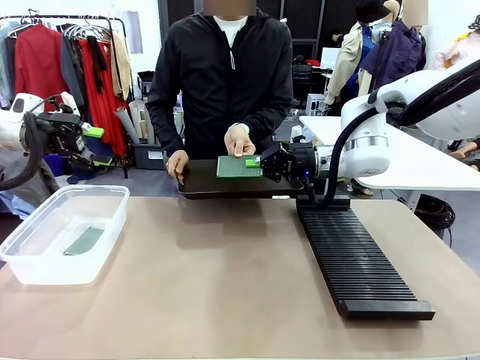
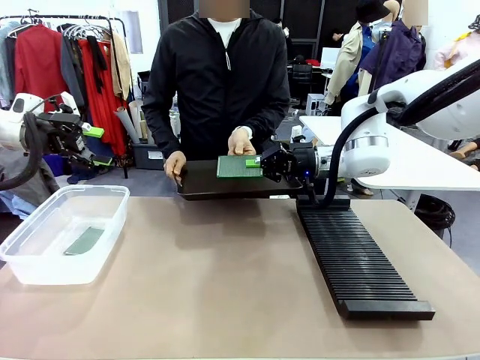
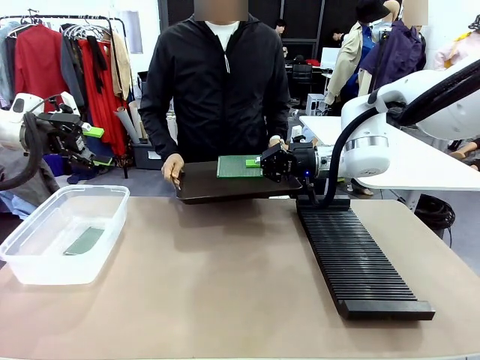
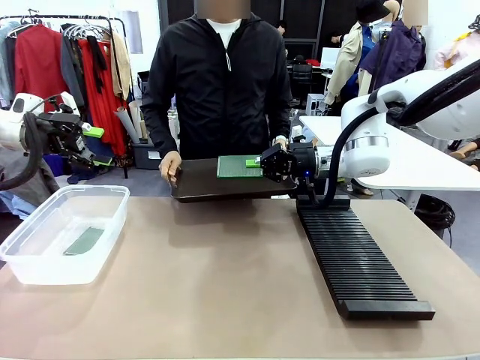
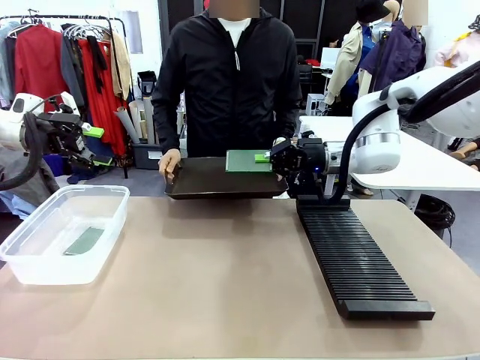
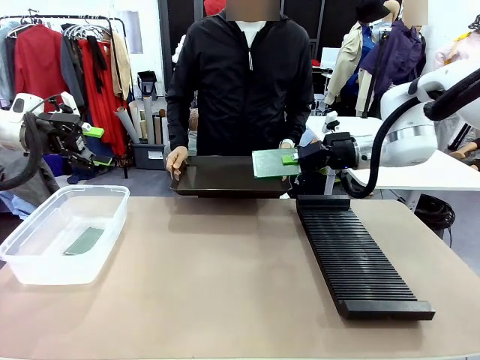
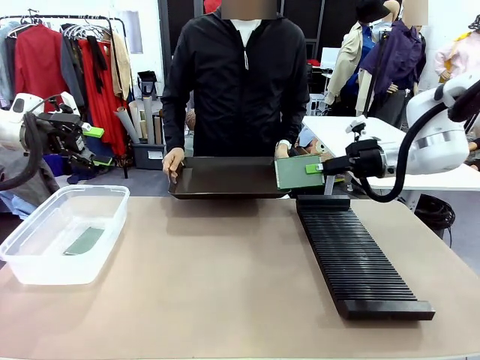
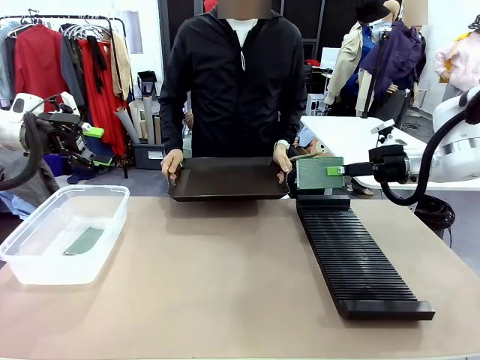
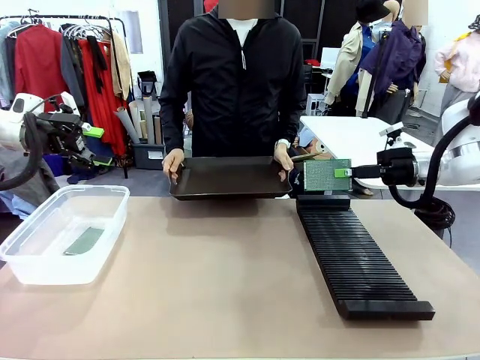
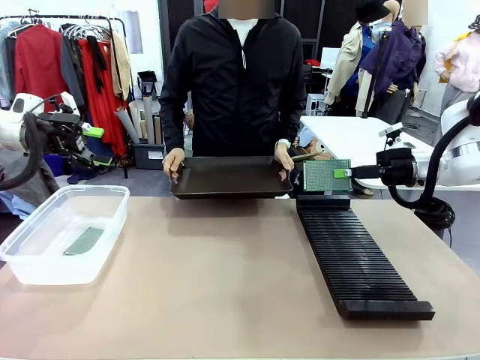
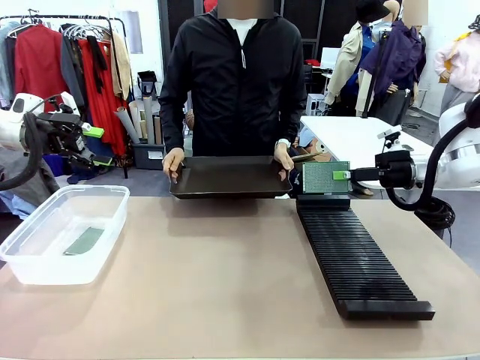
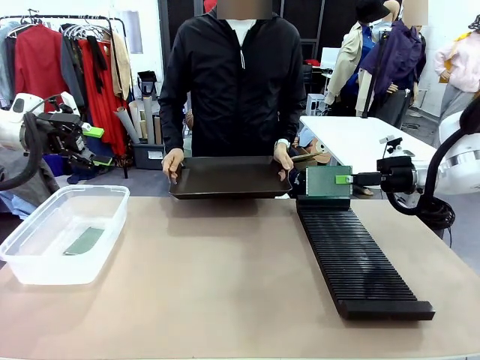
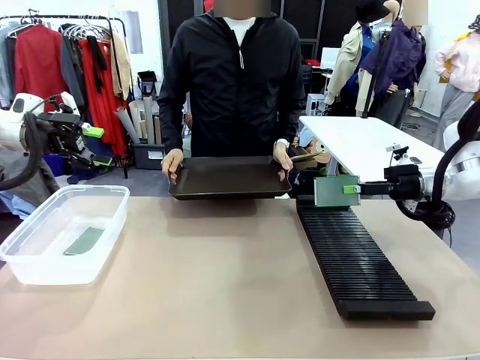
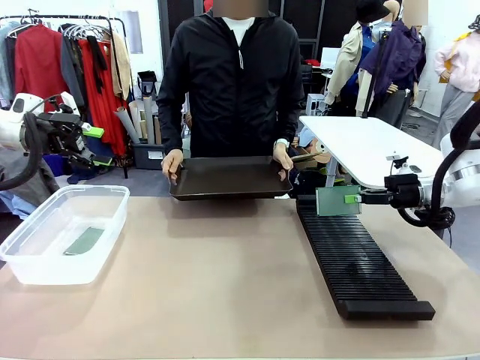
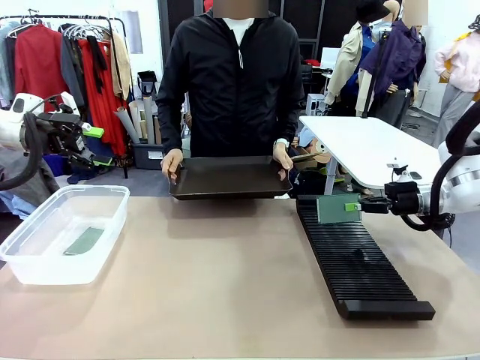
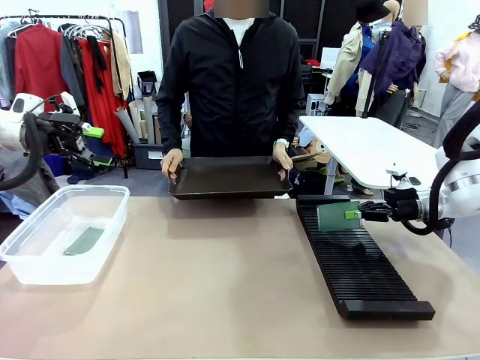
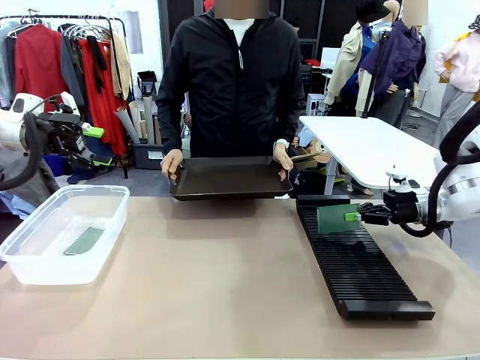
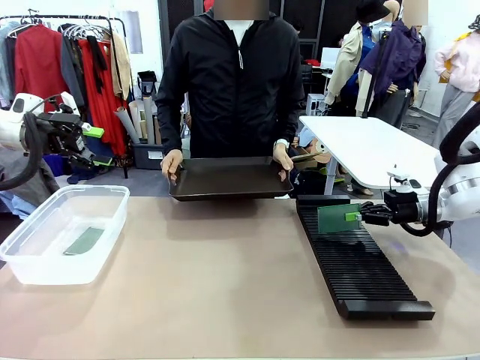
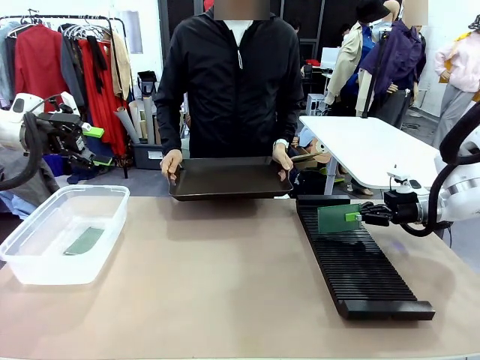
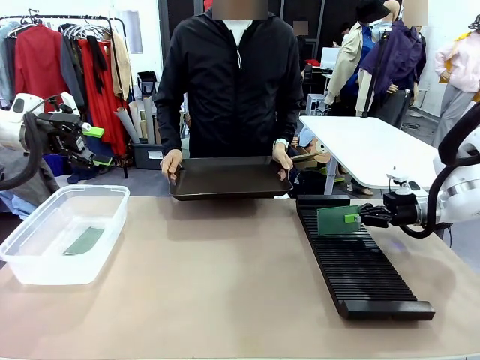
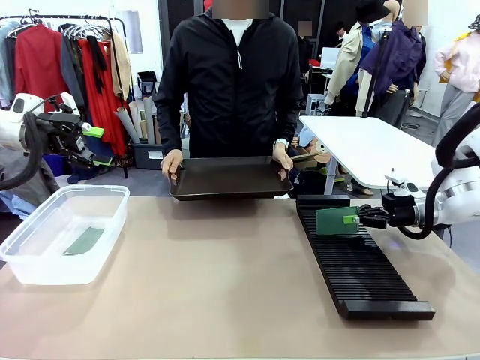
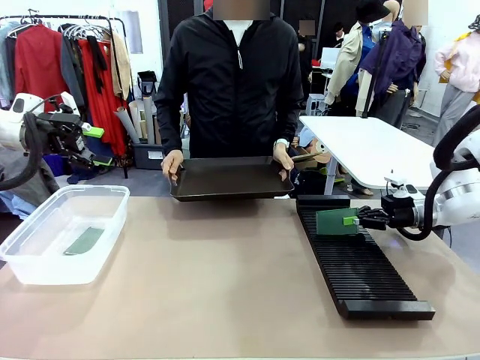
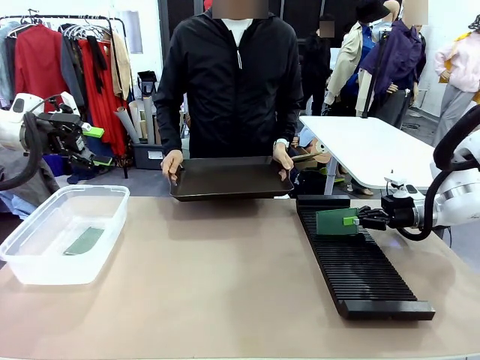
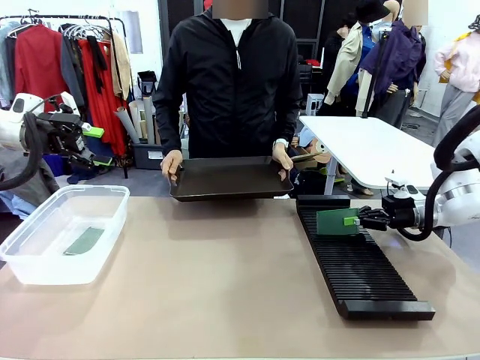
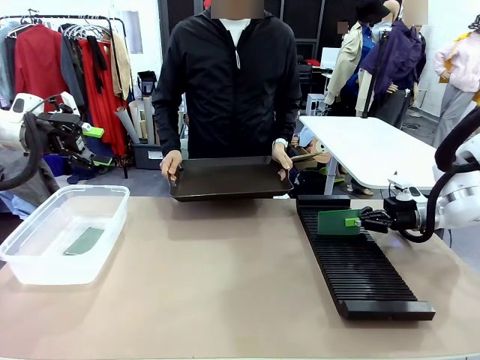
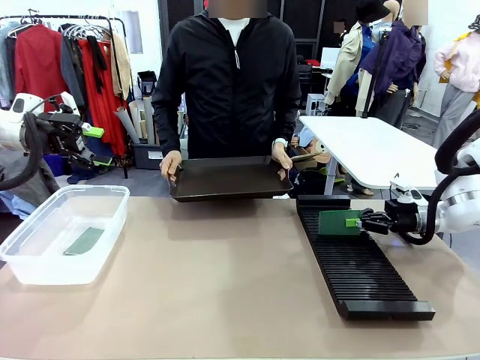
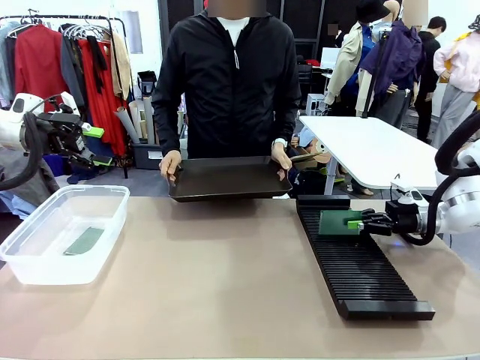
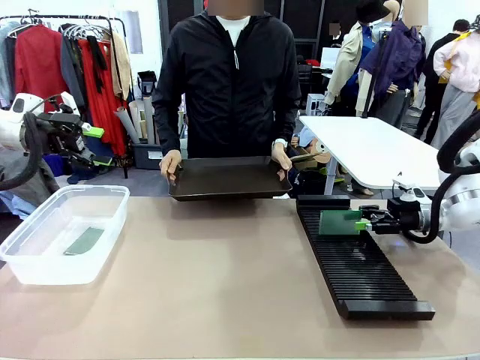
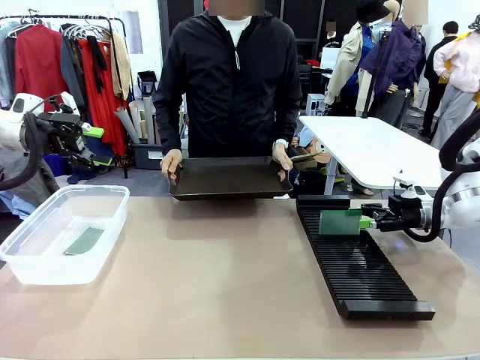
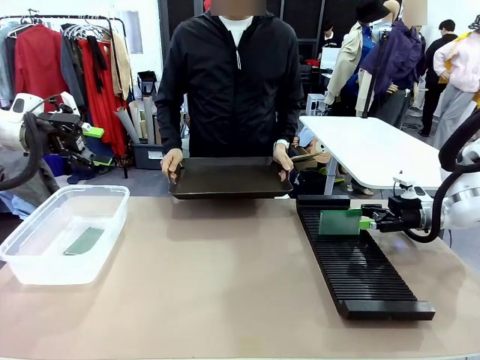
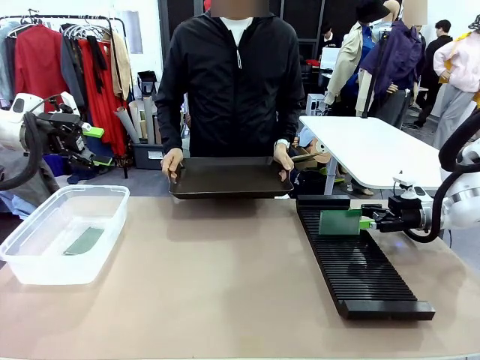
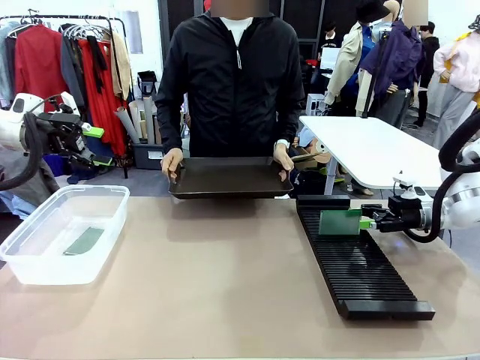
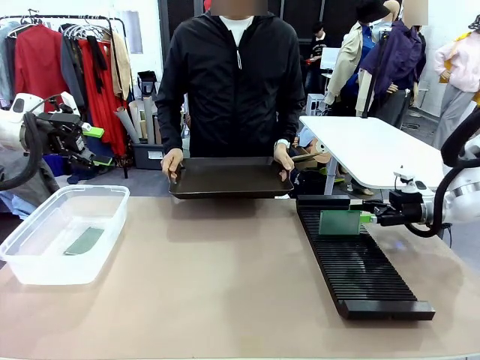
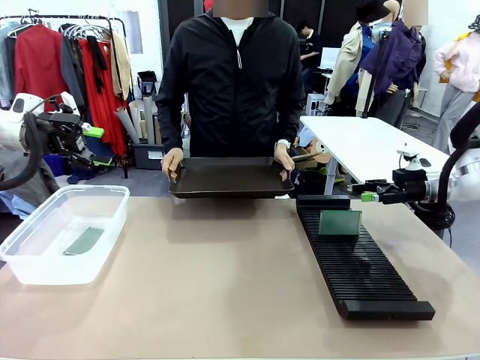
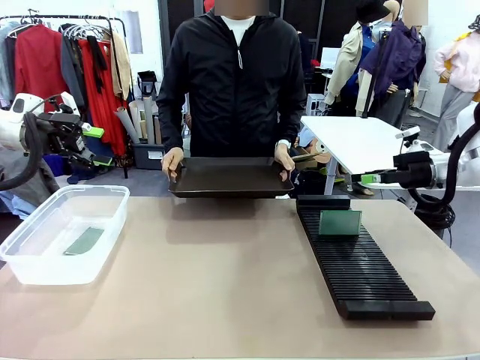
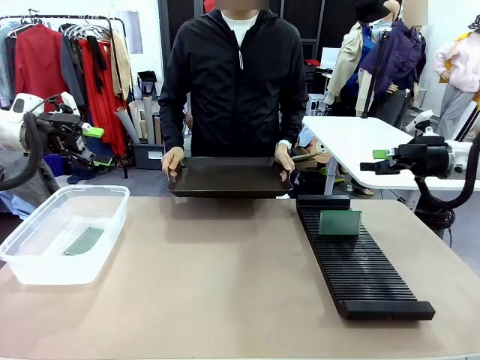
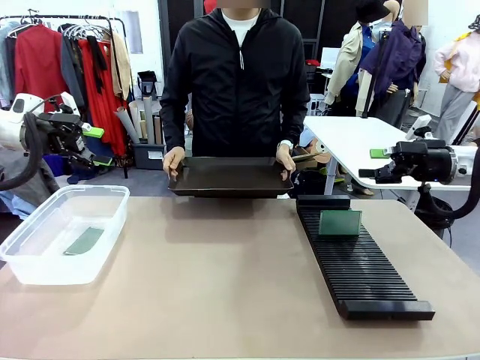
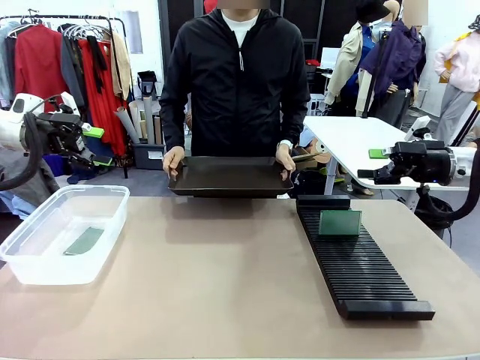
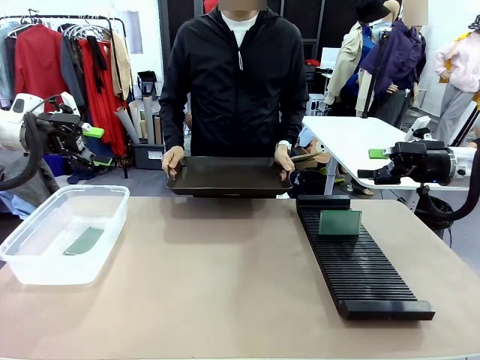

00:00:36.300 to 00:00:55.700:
Task: Sort PCBs into racks and boxes based on the side picked up.
Robot: If the short side of the Blank PCB is picked up, insert it into the PCB Rack ; if the long side is picked up, place it in the Organizing box.
Person: Release the PCB being held.

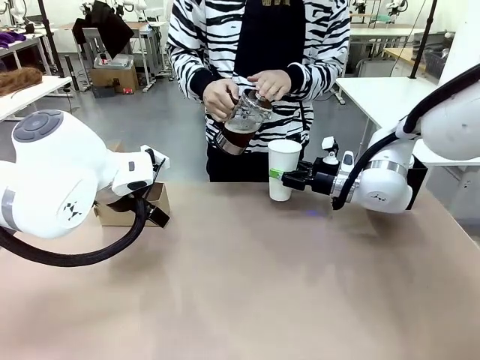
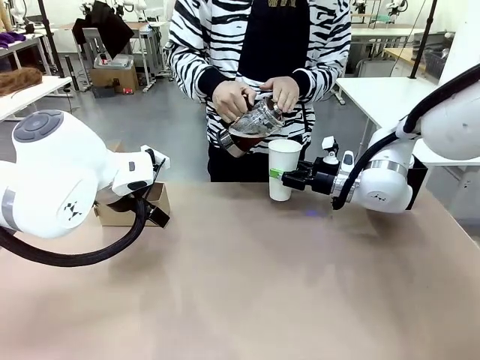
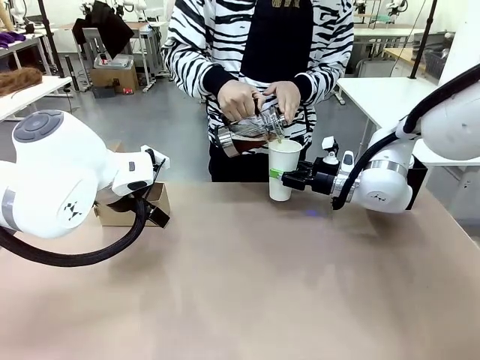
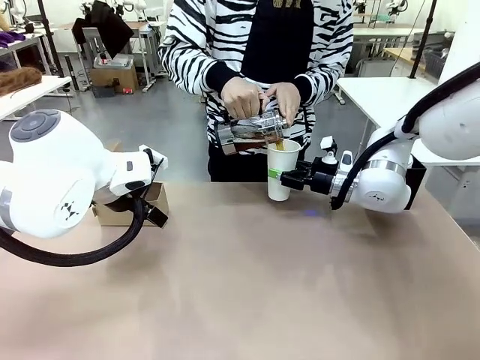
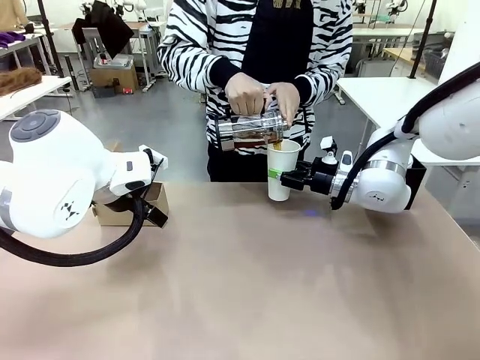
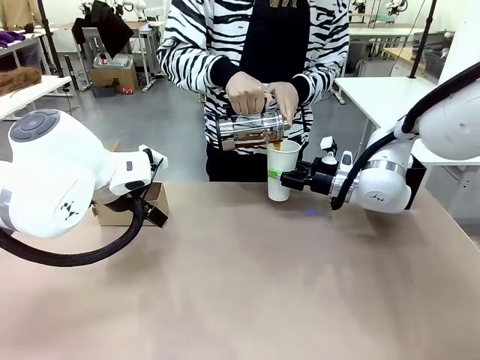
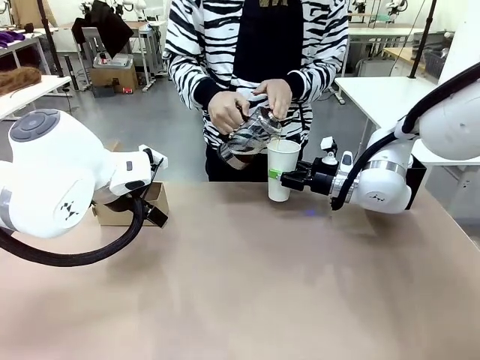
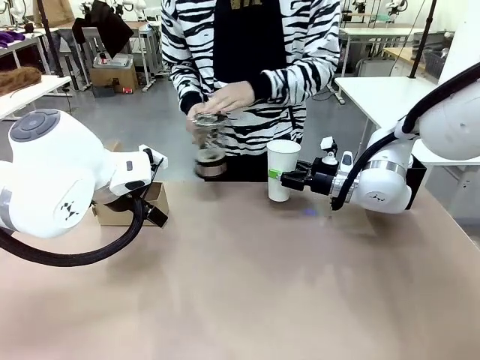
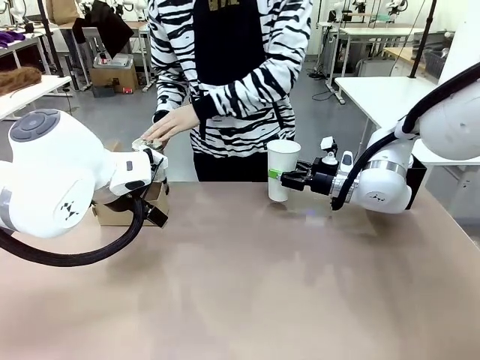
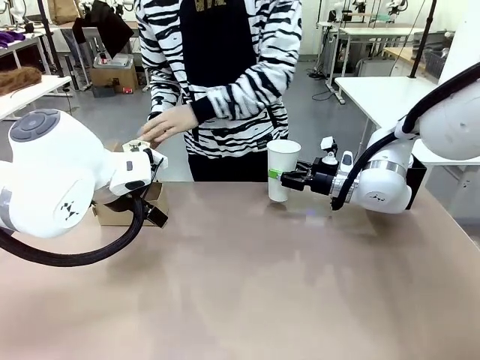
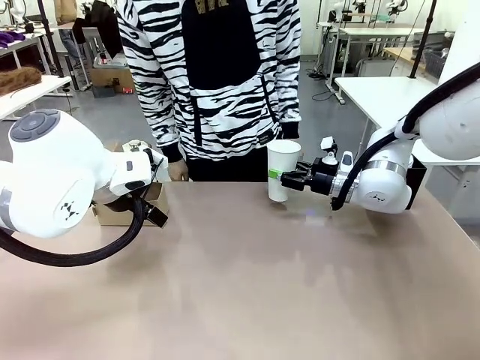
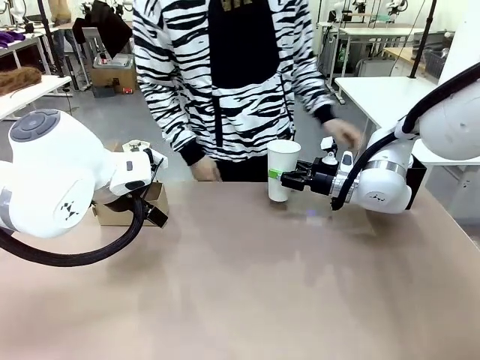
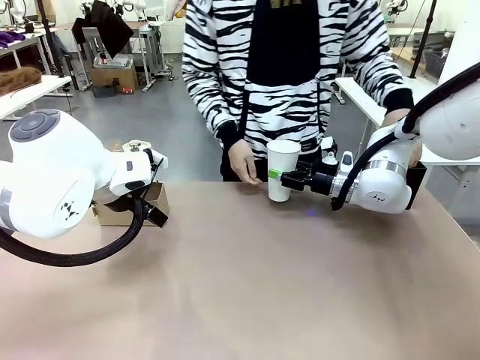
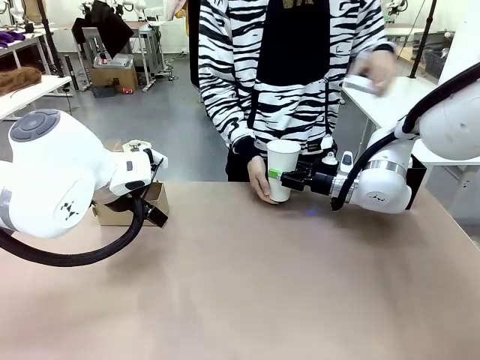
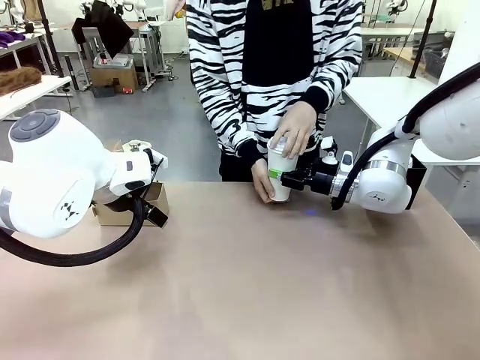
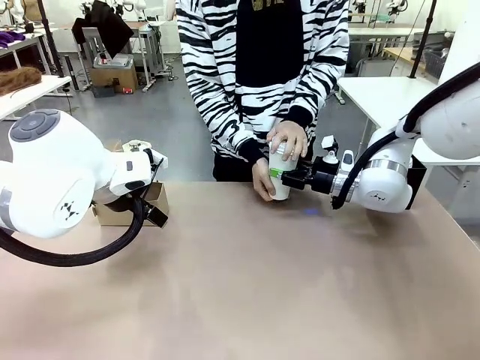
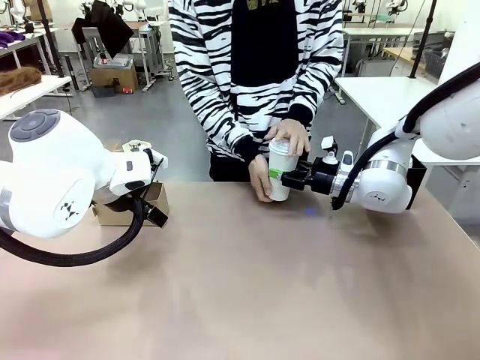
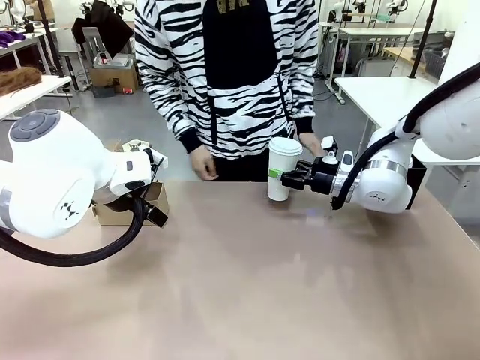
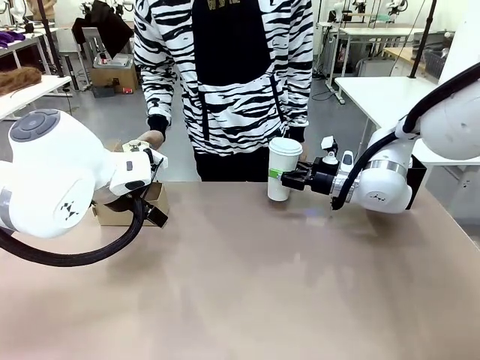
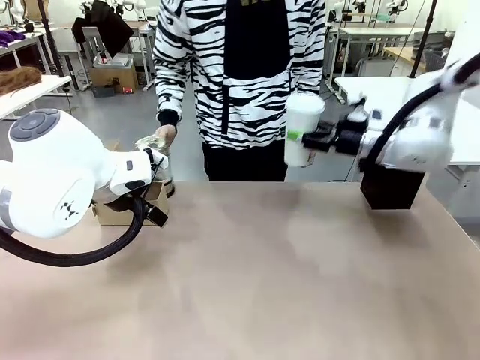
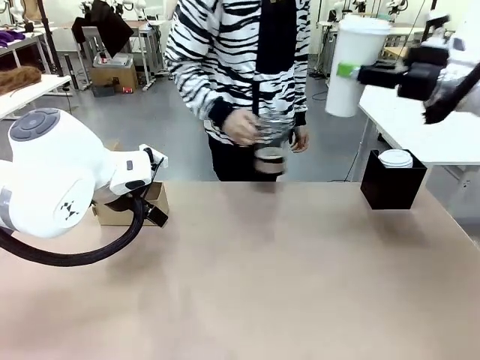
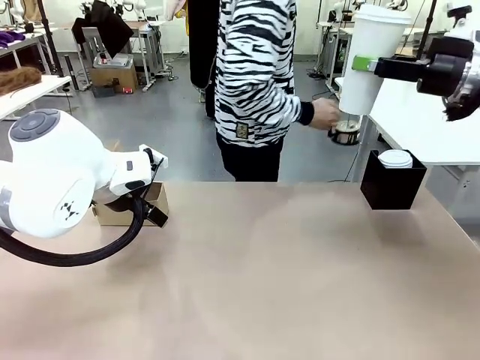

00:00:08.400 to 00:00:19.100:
Task: Pour a drink into a cup and package it in a carrier.
Robot: When a person places the Paper Cup Lid on the 600 ml Paper Cup , lift the 600 ml Paper Cup.
Person: Pour the drink from the Filter Brewing into the 600 ml Paper Cup. Place a Paper Cup Lid on the 600 ml Paper Cup.
